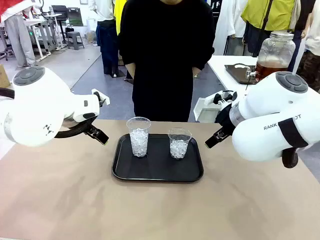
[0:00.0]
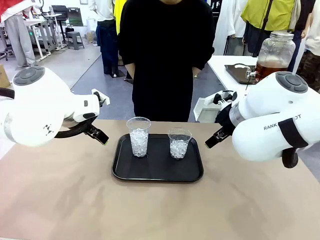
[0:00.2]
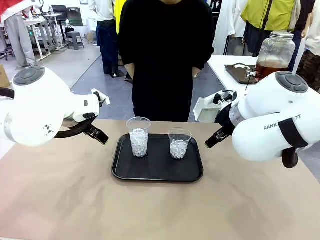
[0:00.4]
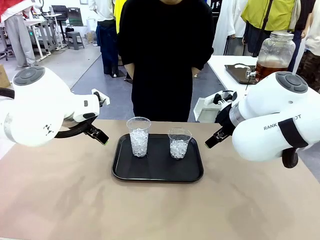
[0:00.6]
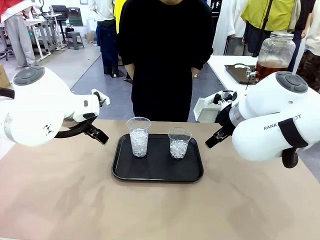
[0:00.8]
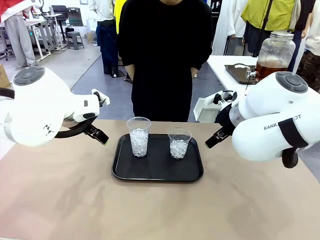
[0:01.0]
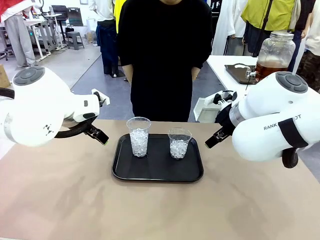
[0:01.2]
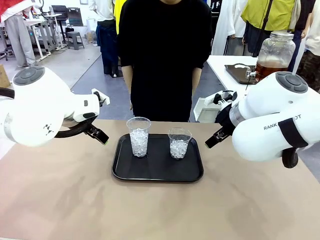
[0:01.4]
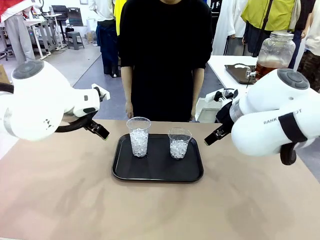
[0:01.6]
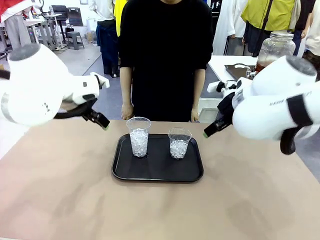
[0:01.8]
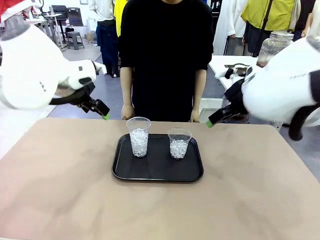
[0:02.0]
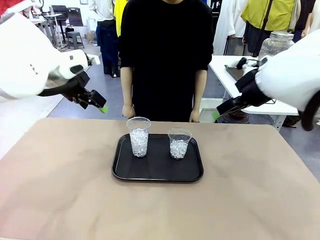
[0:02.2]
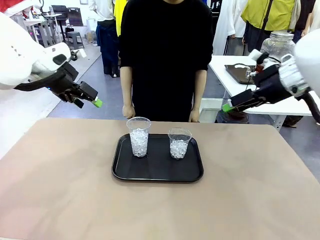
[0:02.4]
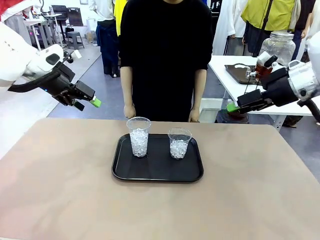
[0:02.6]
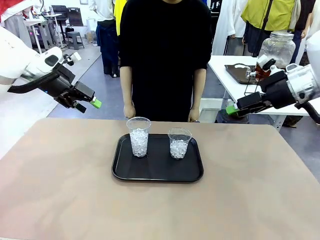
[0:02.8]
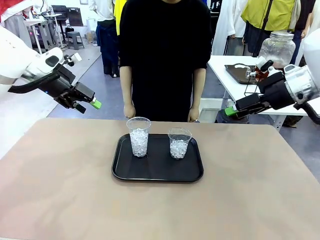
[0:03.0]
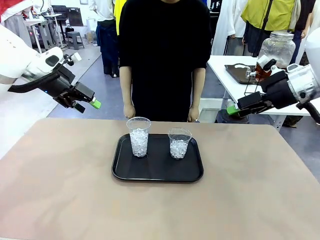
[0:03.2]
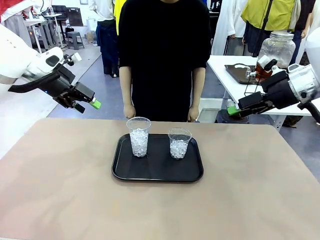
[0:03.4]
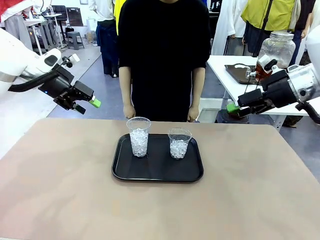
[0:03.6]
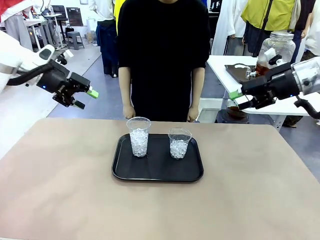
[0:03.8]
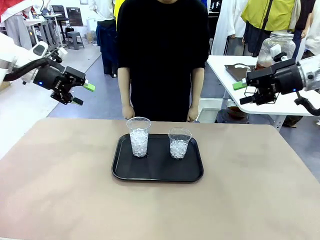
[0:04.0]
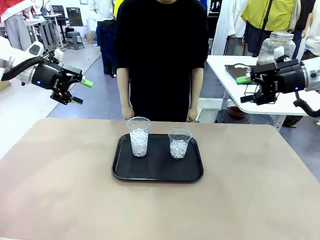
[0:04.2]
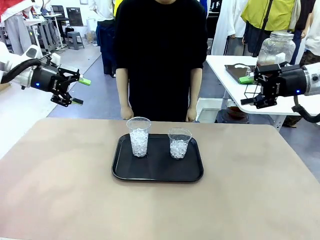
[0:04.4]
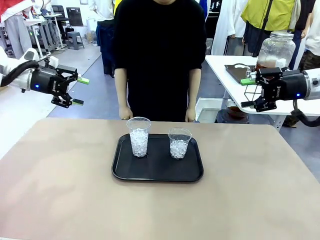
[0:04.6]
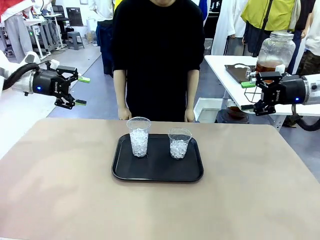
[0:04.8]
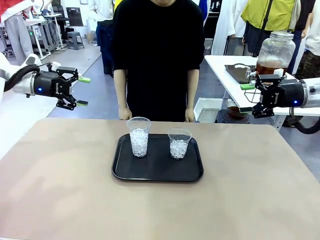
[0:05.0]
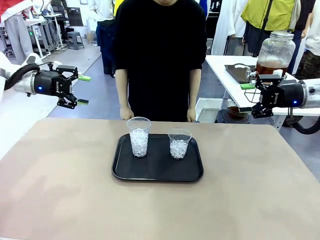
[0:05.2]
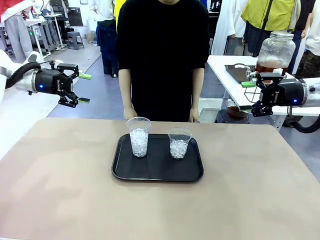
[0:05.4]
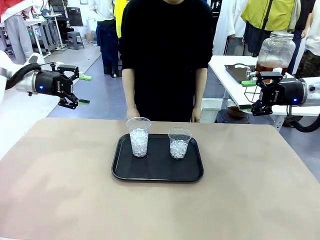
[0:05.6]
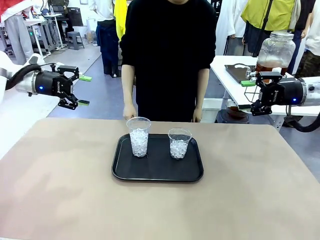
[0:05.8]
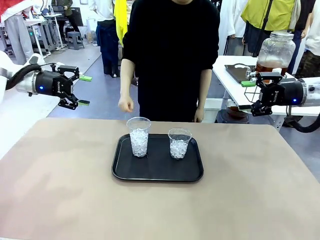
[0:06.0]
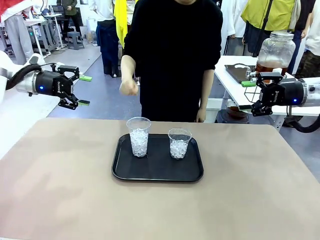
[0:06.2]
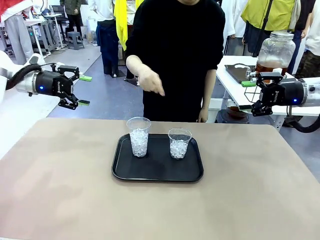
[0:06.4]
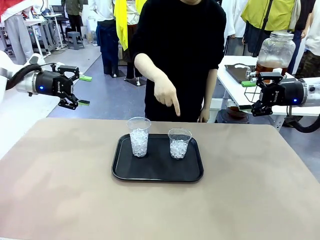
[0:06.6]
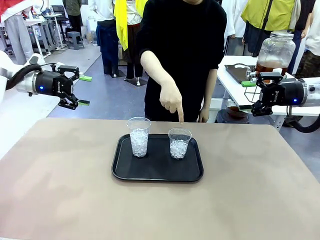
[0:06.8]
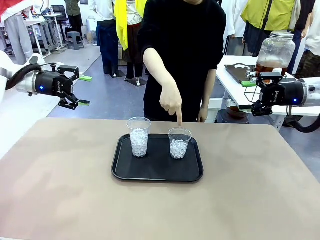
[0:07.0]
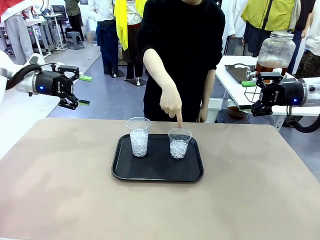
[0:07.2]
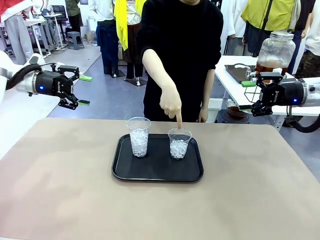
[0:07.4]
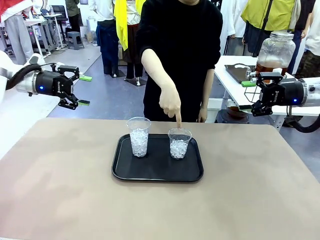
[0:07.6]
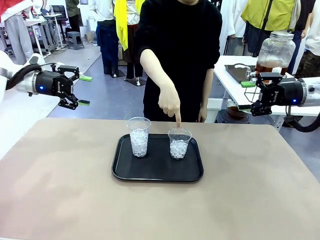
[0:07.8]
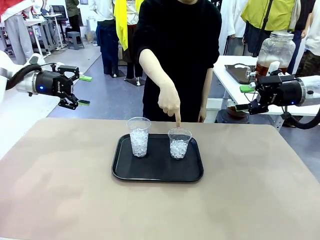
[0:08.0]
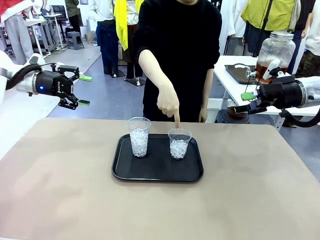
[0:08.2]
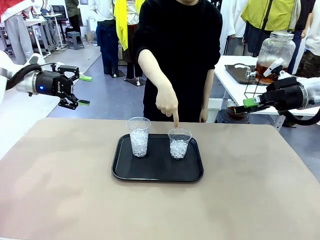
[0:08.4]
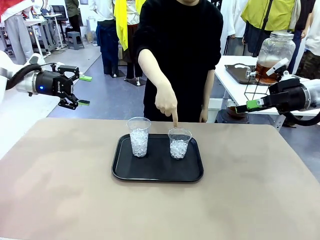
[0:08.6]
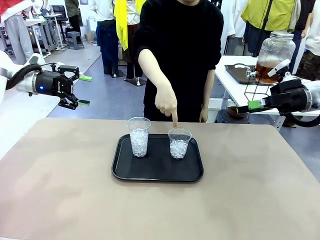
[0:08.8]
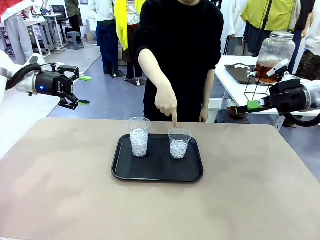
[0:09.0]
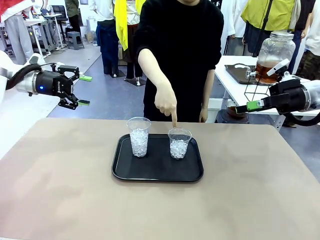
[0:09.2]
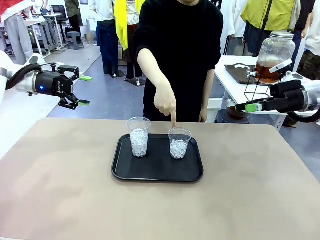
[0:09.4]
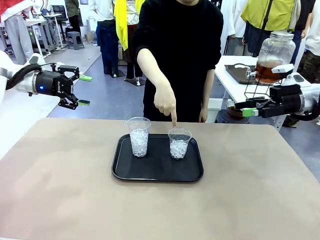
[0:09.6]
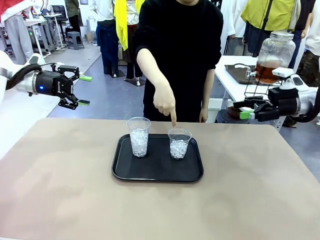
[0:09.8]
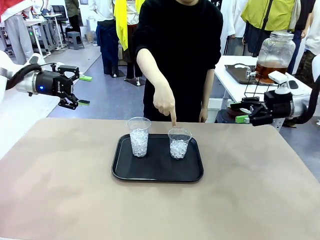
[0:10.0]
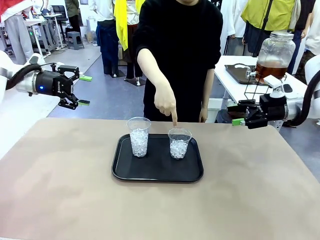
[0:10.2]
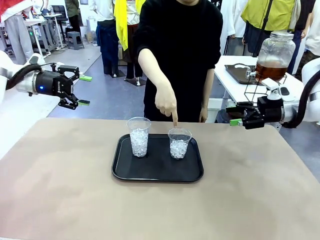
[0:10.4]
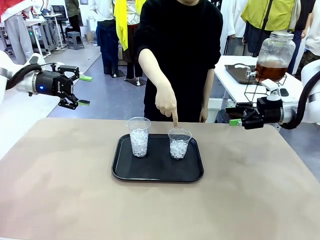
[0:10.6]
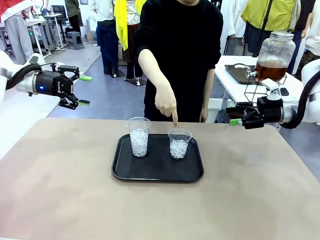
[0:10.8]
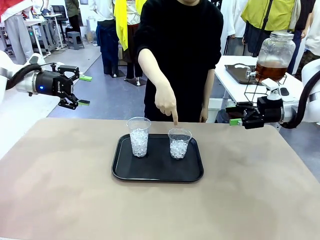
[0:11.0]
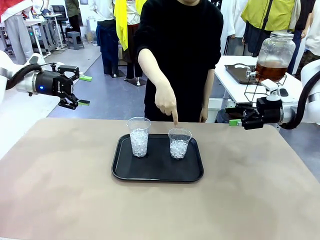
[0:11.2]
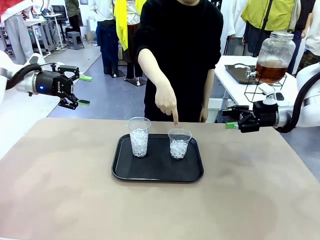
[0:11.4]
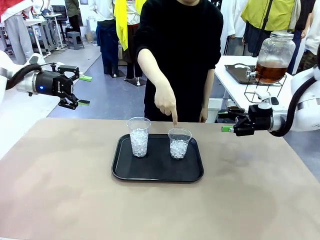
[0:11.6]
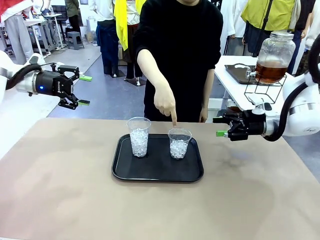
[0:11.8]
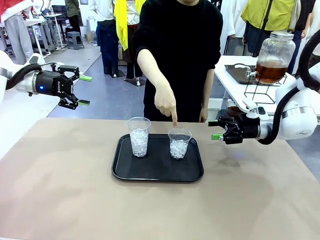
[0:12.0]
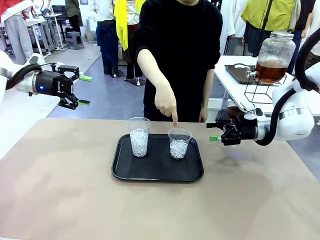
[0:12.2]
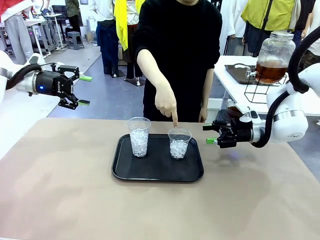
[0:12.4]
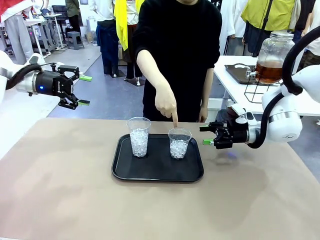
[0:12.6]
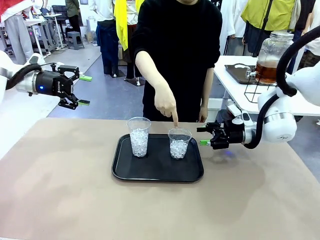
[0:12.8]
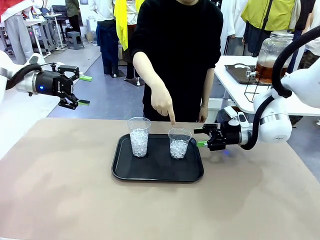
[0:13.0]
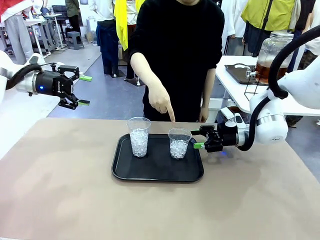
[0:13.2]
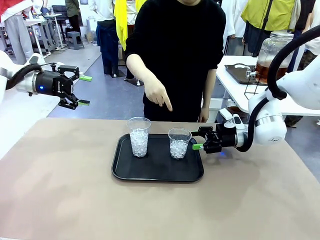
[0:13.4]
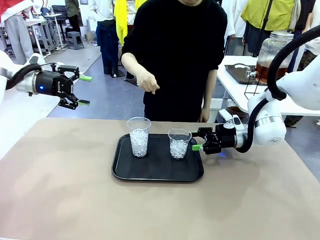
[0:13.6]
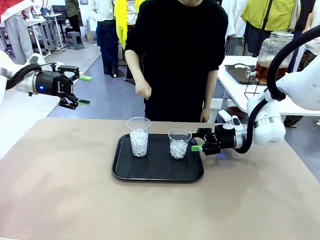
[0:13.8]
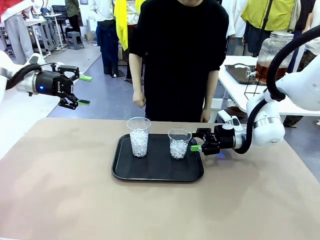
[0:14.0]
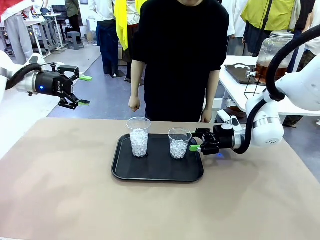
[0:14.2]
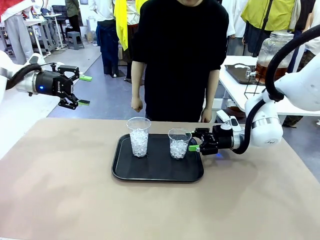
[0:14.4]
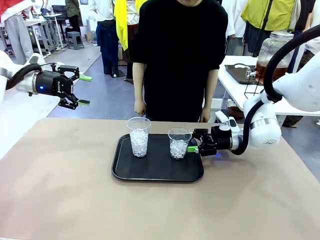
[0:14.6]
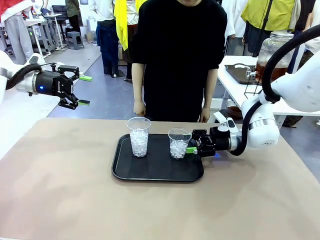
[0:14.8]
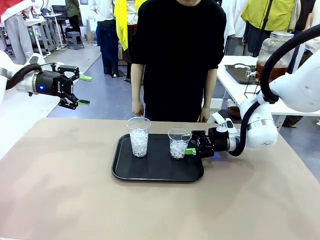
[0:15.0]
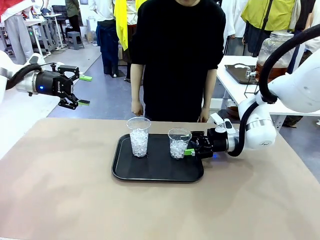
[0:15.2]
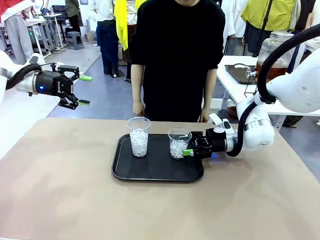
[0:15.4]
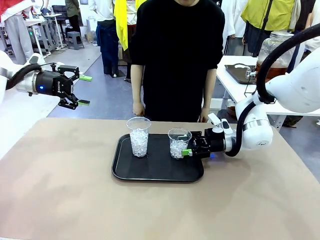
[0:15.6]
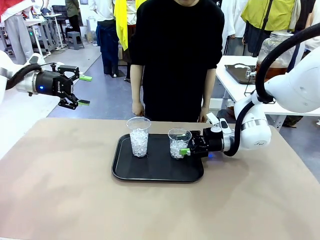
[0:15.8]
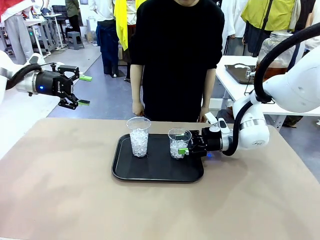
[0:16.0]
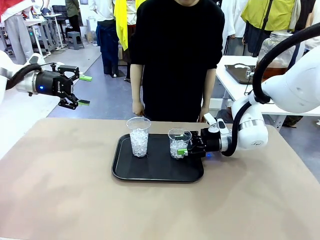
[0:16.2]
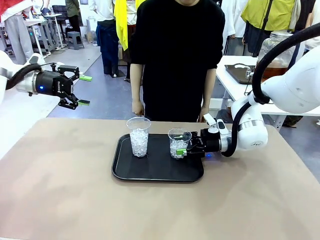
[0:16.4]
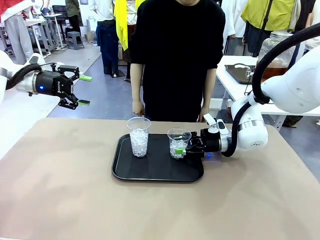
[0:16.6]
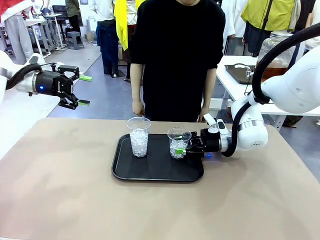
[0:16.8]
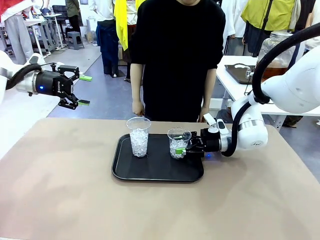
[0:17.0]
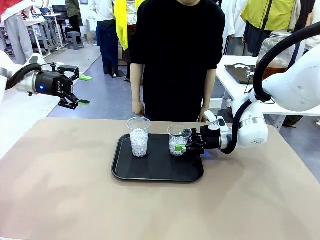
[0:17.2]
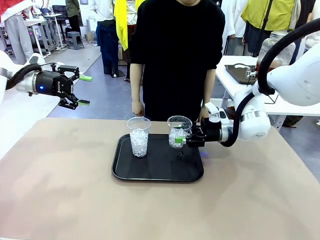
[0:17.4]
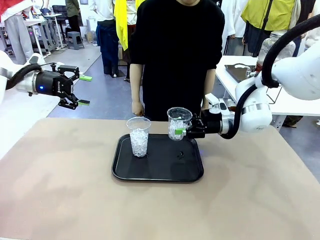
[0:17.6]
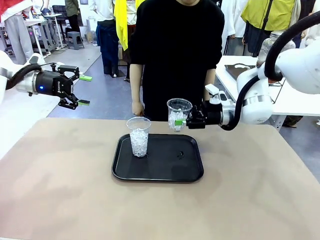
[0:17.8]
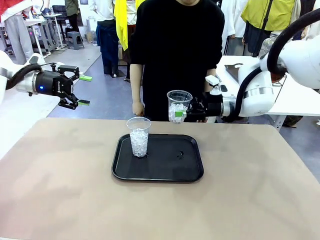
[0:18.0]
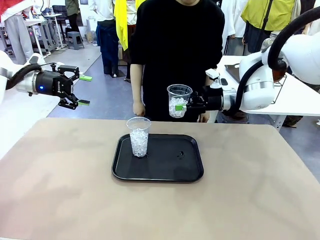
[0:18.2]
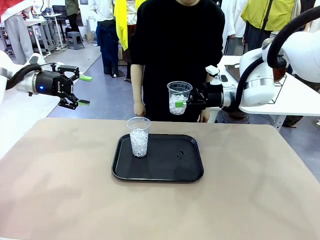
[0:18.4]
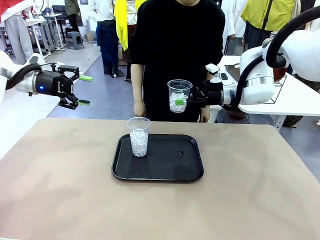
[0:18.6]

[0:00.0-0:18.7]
Task: Pour the drink into the iced cup.
Robot: Pick up the iced cup indicated by the human and present it to them.
Person: Point to one of the two ice cups. Pick up the cup offered by the robot.

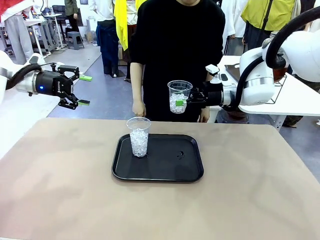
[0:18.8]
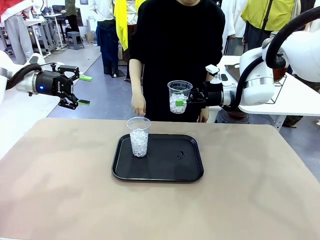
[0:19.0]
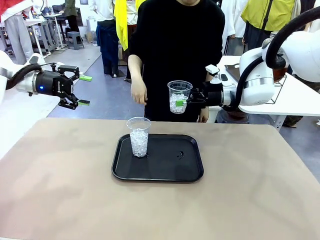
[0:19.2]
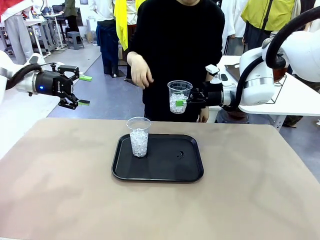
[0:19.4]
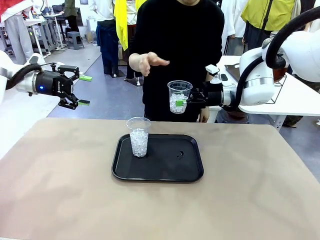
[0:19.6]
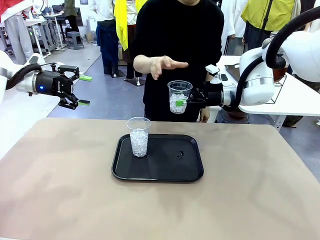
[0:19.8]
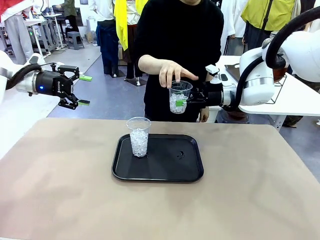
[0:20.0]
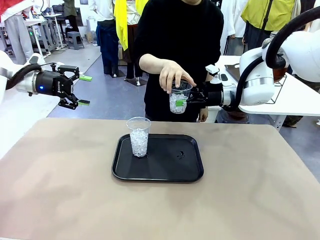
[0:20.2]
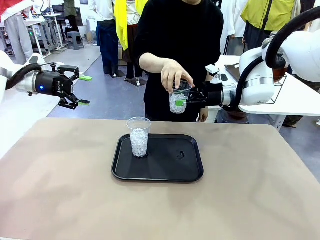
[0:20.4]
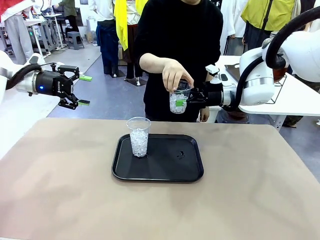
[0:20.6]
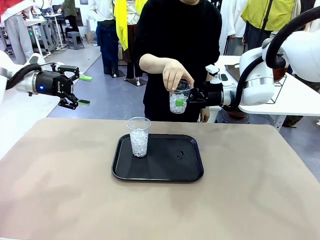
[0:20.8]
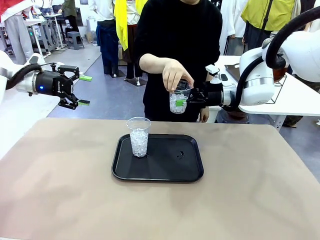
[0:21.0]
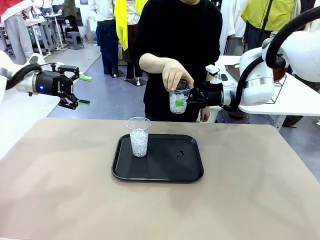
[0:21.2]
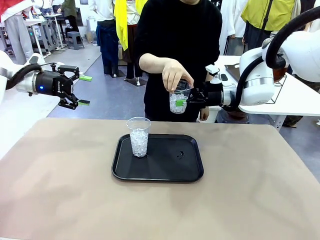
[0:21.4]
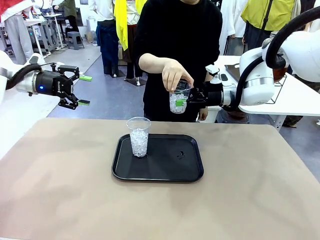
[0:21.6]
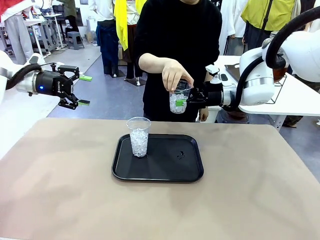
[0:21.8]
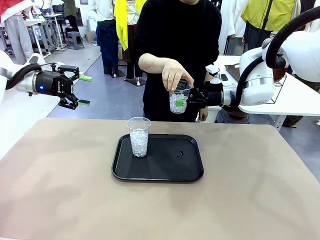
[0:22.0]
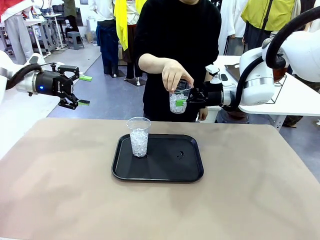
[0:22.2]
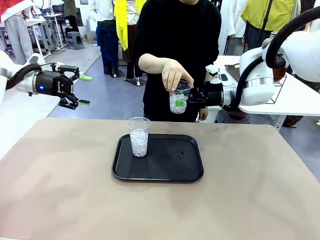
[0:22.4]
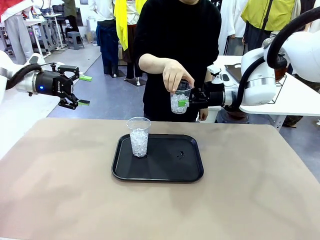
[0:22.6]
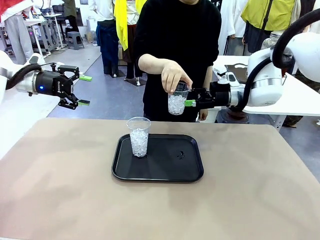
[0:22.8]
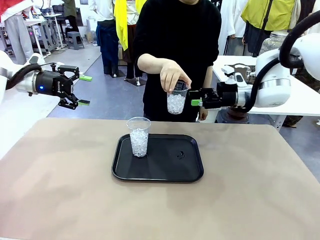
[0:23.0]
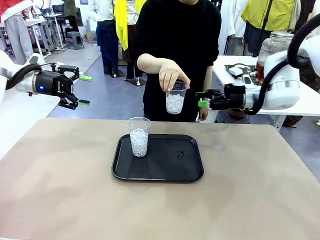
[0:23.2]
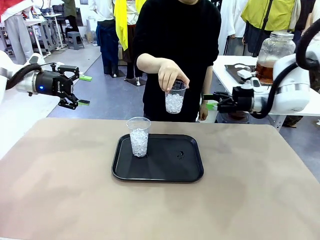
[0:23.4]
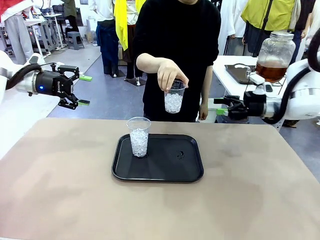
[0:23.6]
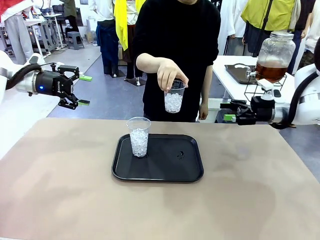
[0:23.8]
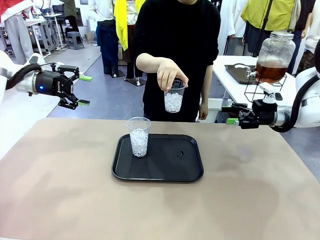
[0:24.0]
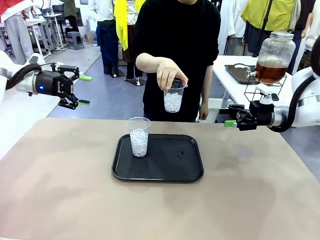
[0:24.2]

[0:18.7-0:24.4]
Robot: Open the gripper to release the iced cup you were holding.
